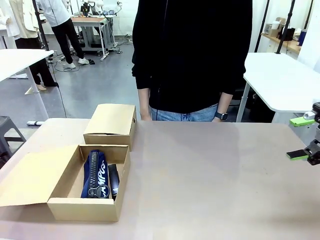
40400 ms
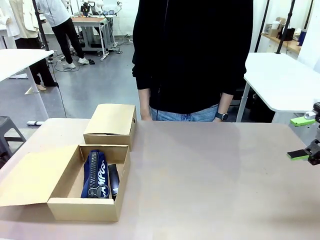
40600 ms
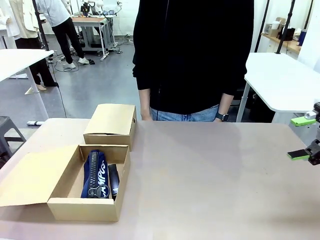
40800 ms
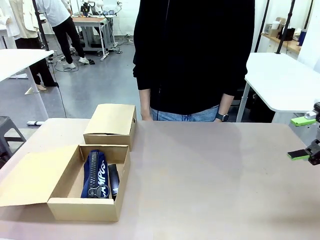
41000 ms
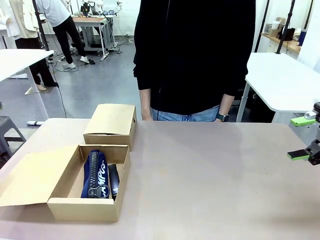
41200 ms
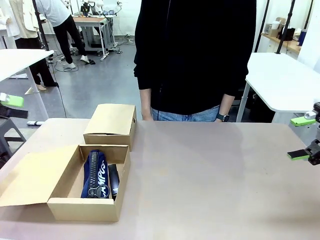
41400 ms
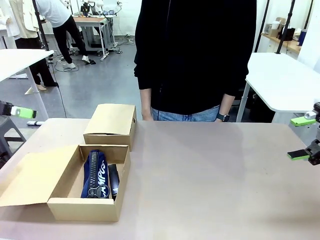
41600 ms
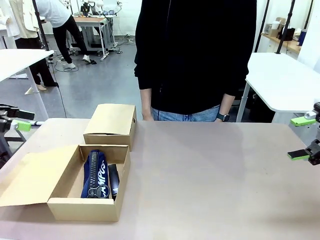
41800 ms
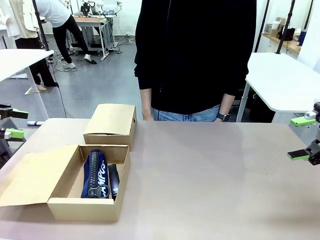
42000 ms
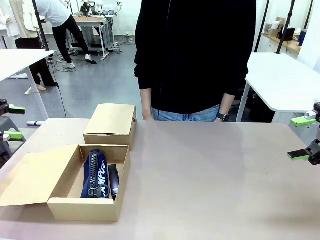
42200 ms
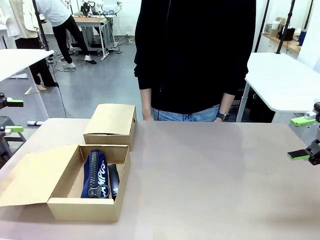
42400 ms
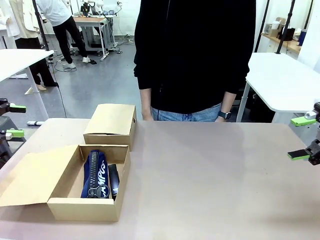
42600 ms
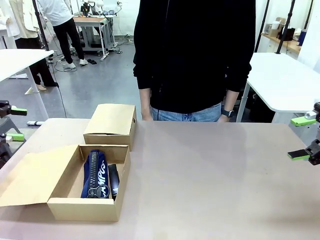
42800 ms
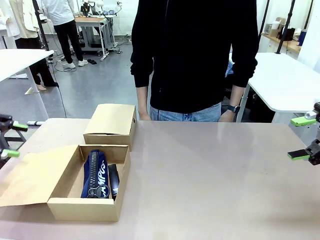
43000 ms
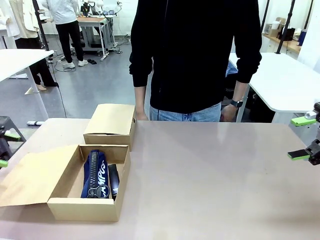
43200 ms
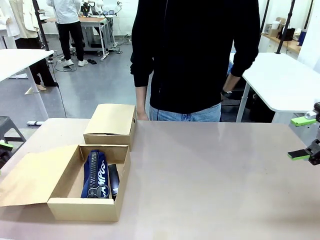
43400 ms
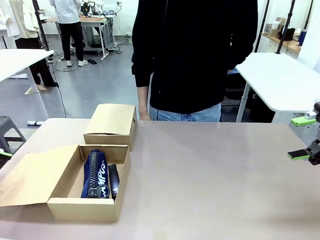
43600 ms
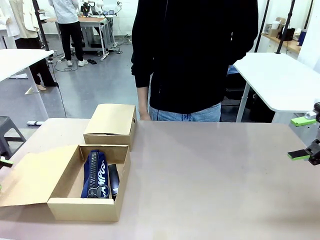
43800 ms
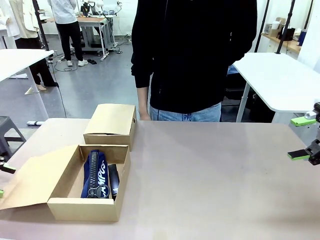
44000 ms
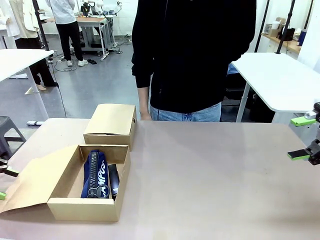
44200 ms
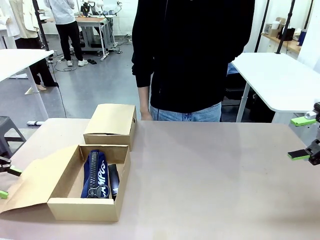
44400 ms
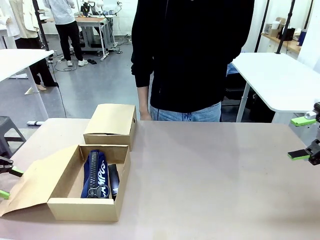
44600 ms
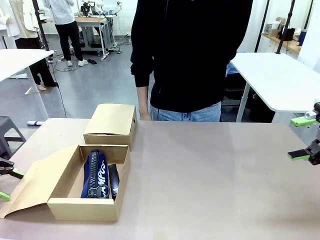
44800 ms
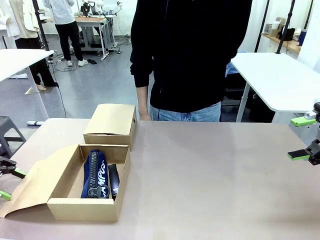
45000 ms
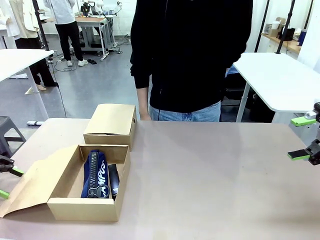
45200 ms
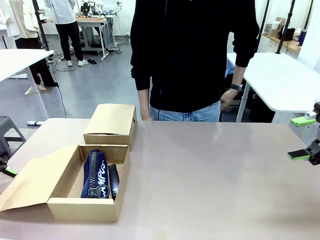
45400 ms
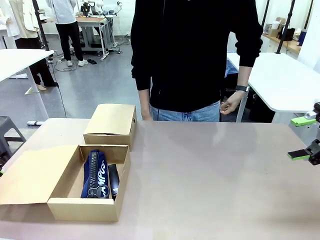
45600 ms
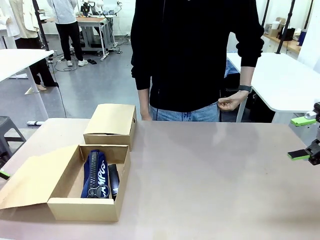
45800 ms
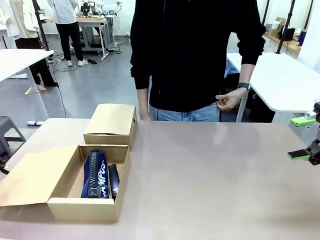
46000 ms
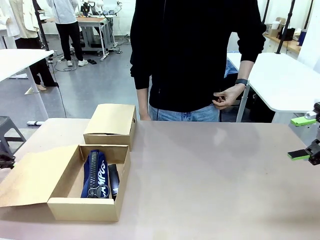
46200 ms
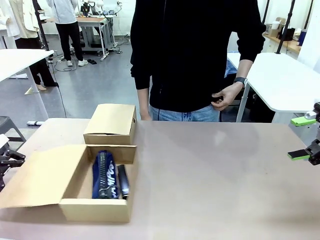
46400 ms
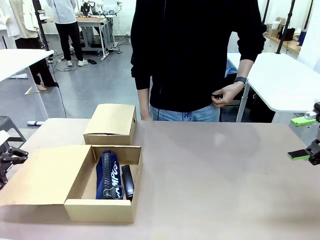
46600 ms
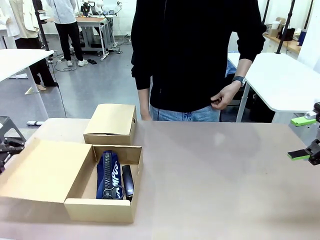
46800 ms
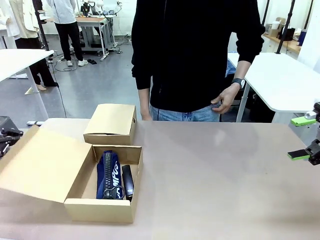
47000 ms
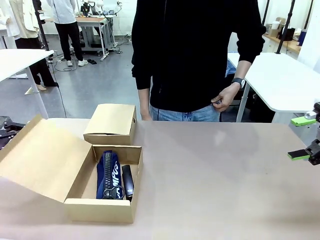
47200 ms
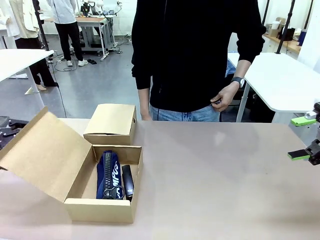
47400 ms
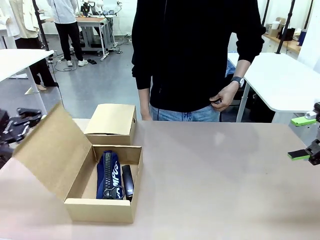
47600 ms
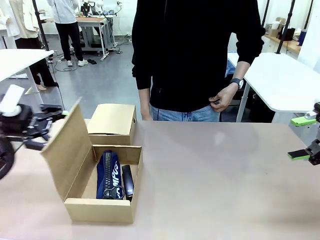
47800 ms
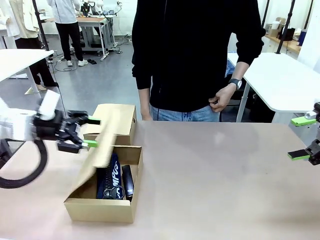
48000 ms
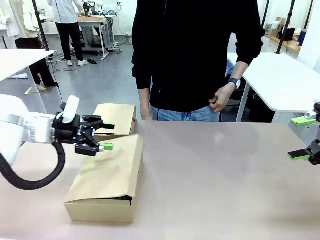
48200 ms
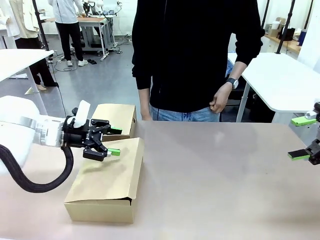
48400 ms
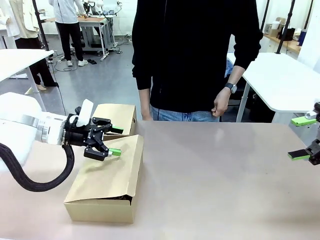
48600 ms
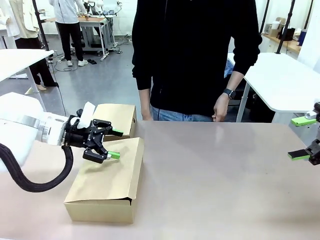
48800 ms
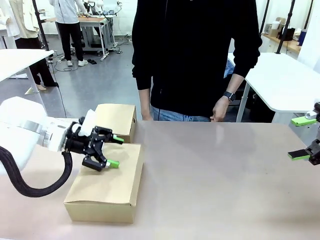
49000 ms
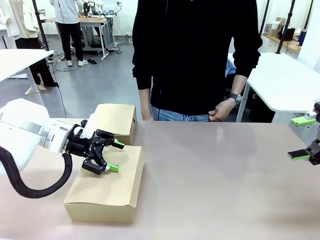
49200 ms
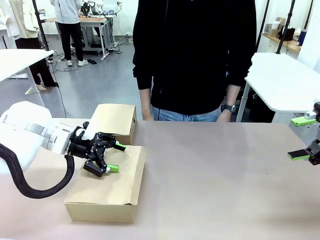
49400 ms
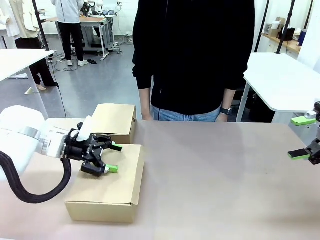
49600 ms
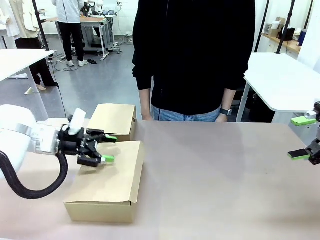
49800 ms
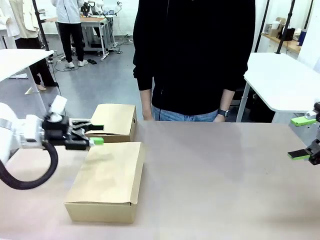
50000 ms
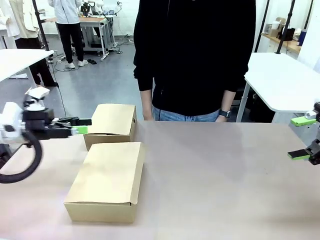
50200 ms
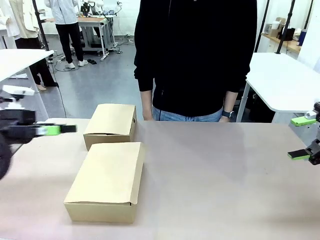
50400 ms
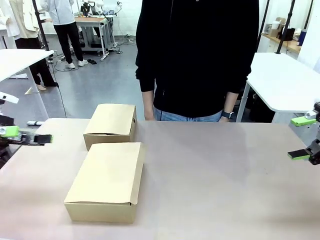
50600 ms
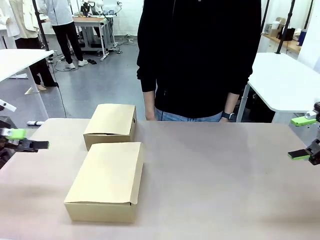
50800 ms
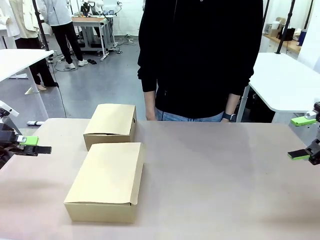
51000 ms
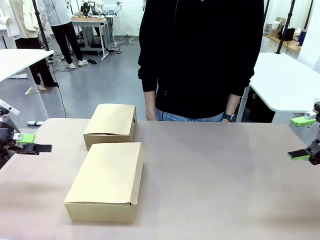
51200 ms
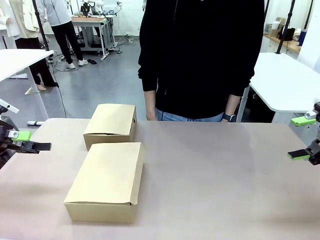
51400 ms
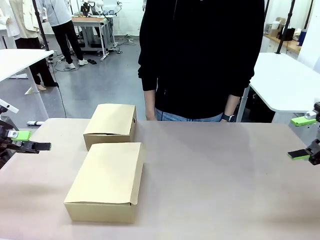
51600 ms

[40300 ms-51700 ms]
Task: Place items inside the box.
Robot: Close the lid of the Mailer Box closest to the robot.

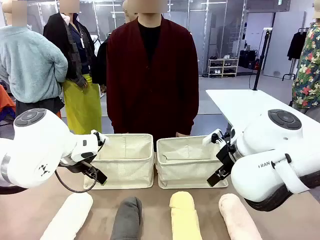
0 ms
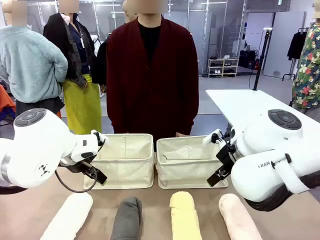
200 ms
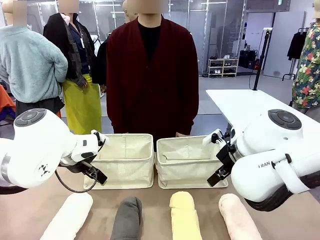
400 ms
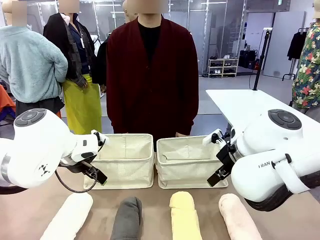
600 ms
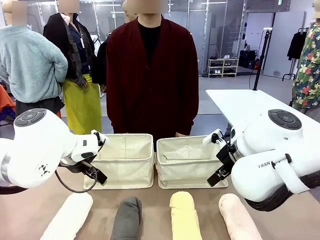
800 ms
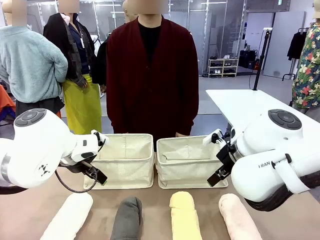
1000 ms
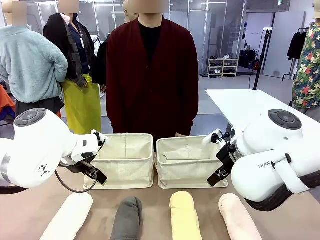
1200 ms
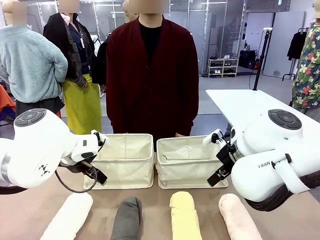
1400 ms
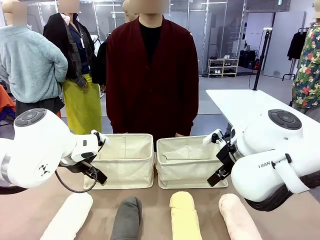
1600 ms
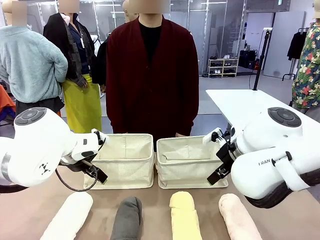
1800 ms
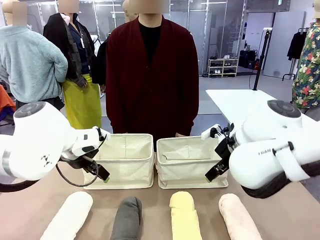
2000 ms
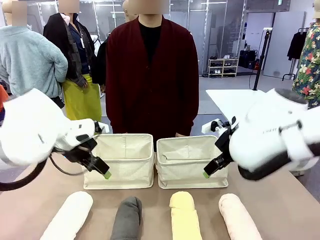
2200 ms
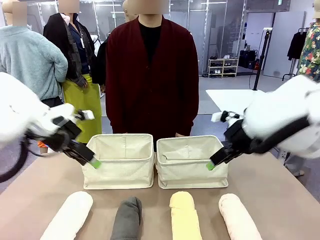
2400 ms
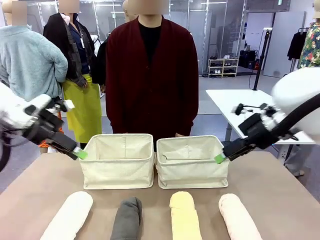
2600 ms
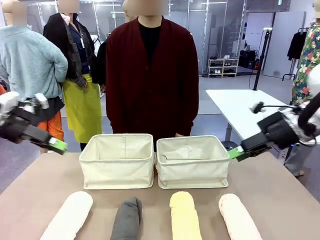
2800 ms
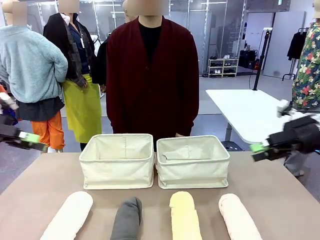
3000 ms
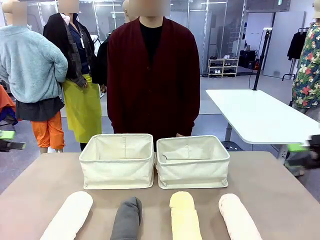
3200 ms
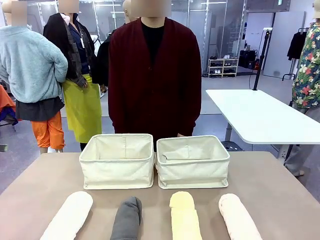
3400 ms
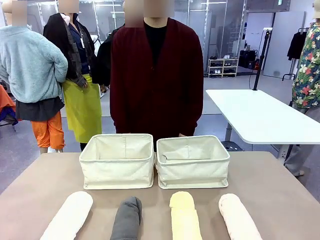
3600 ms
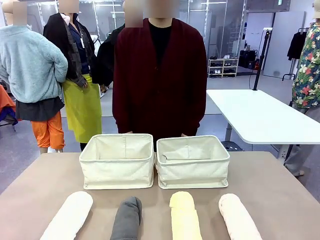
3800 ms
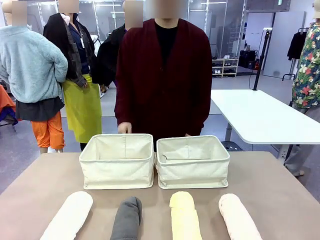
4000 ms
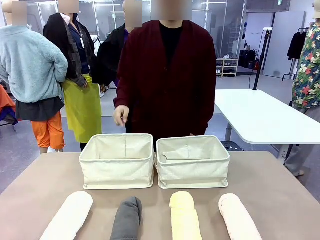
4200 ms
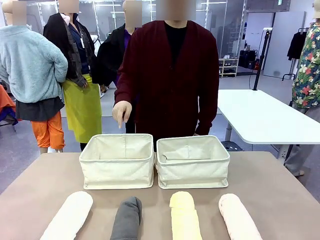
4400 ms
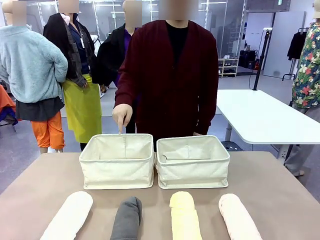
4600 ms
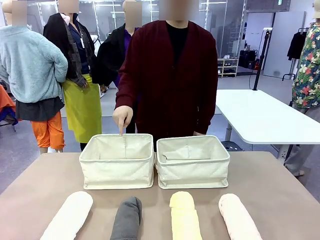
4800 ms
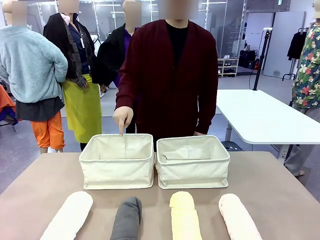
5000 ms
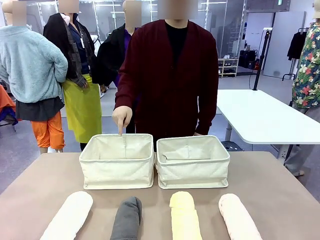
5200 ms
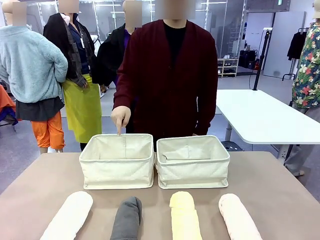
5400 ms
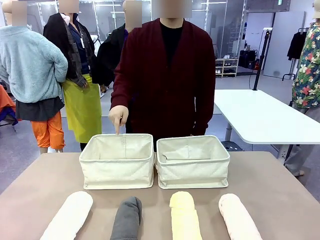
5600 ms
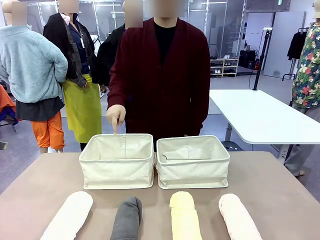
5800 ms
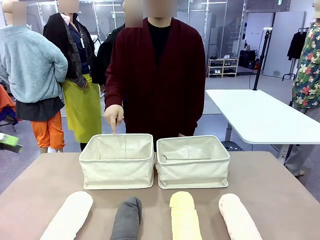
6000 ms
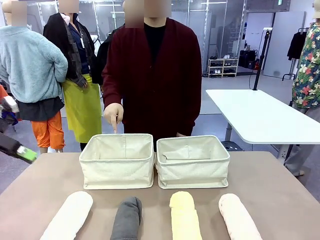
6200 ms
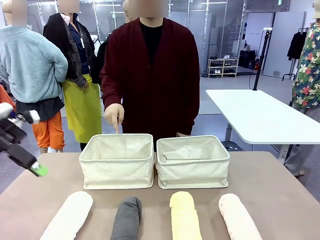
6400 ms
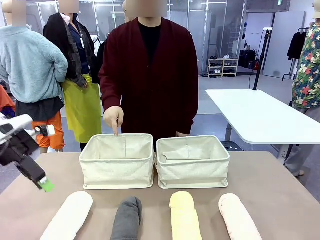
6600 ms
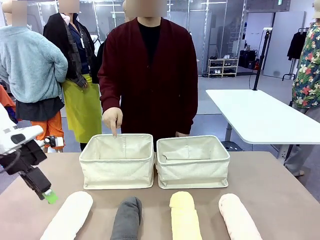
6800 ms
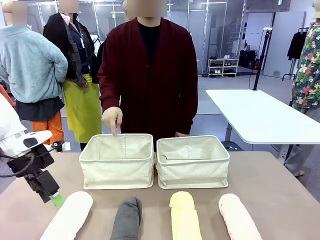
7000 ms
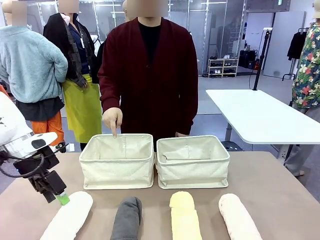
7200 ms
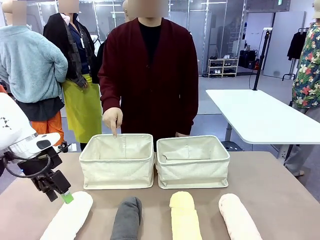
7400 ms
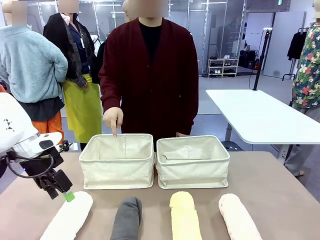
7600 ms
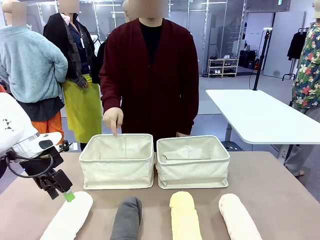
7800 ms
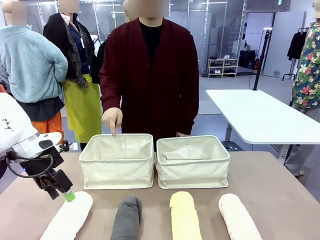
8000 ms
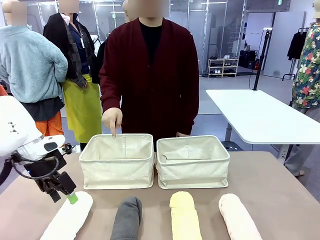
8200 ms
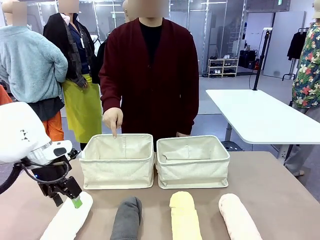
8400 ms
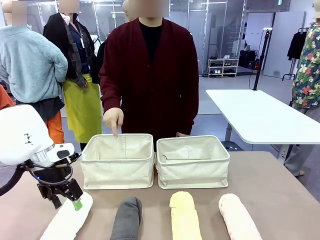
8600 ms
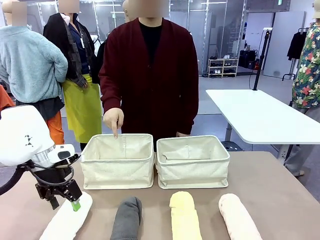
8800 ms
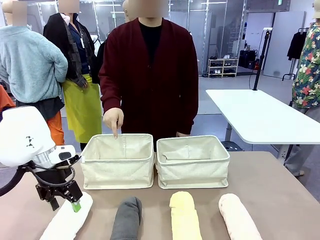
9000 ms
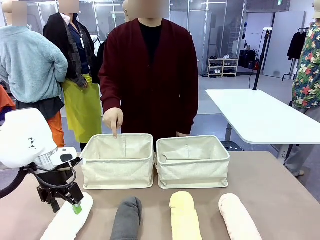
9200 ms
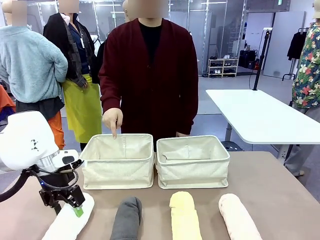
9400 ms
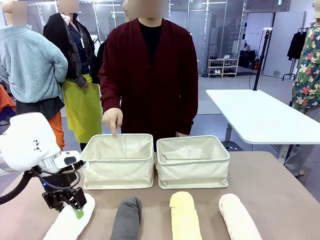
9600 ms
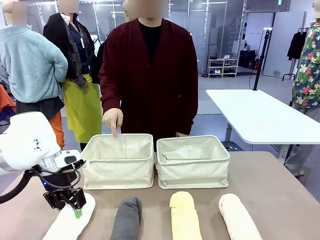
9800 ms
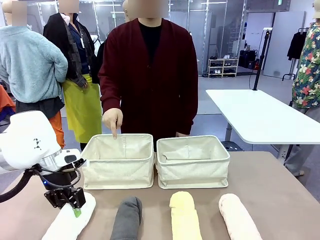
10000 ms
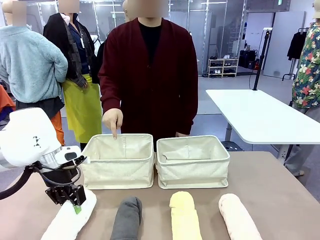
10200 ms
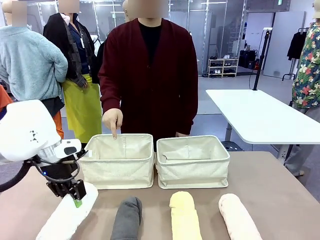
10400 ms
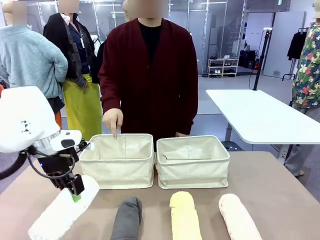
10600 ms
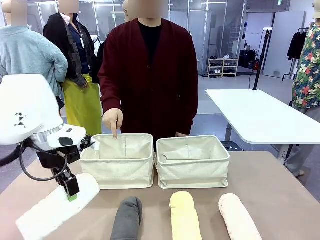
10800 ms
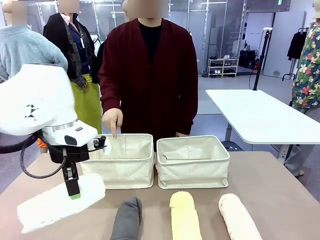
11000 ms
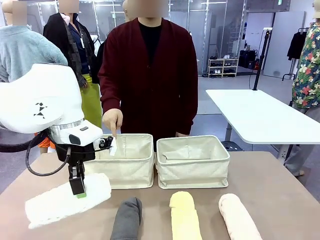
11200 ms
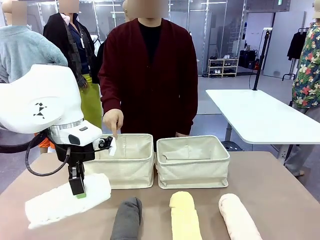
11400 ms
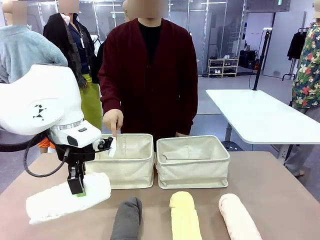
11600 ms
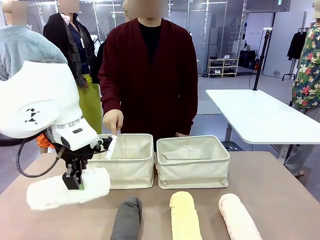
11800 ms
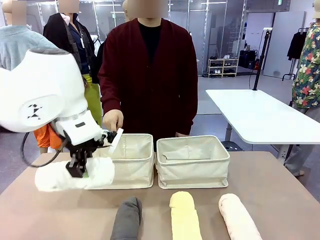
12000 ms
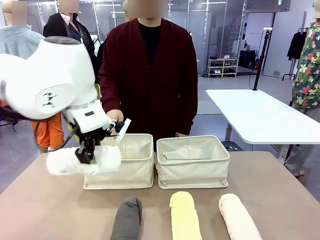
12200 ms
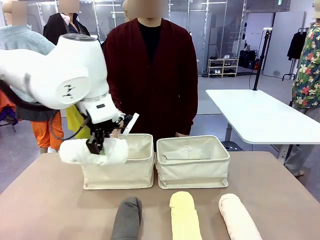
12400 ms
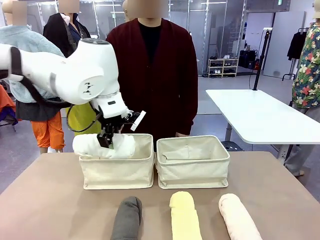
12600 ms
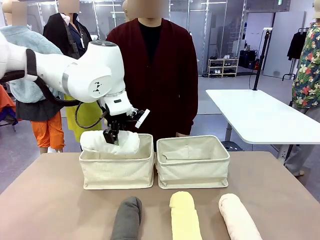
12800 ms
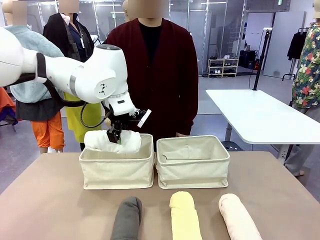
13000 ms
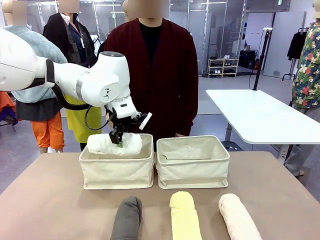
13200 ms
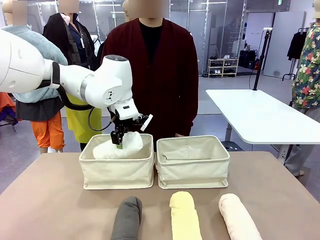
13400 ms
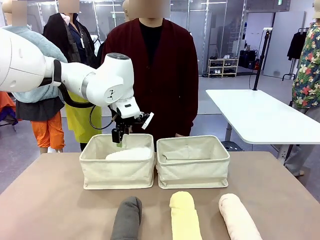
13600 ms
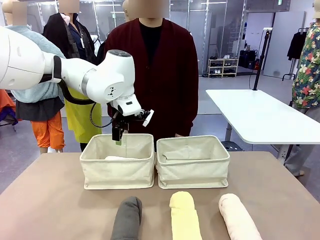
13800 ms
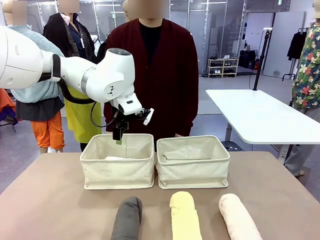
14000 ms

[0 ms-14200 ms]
Task: Divide the towels into two baskets.
Robot: Pick up one hotel-folded towel and place it in the Fabric basket indicated by the person.
